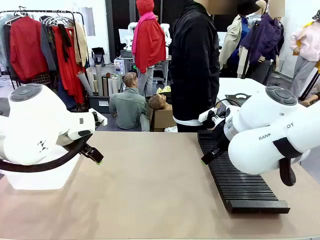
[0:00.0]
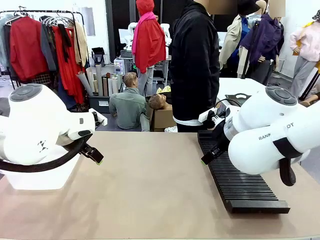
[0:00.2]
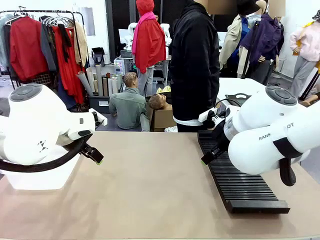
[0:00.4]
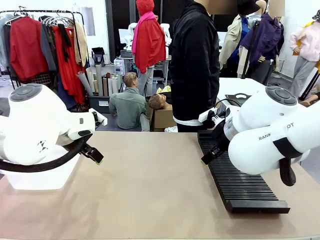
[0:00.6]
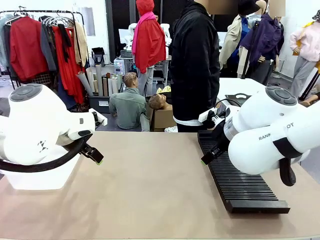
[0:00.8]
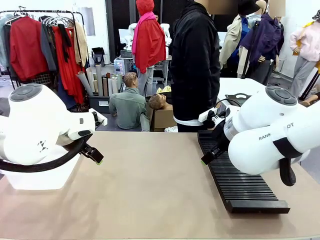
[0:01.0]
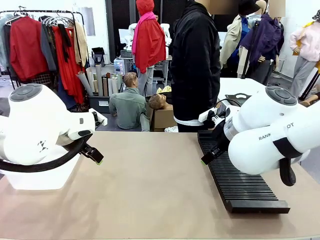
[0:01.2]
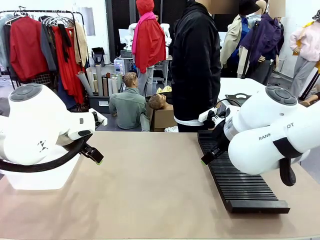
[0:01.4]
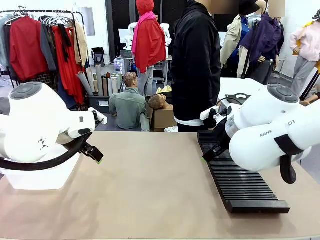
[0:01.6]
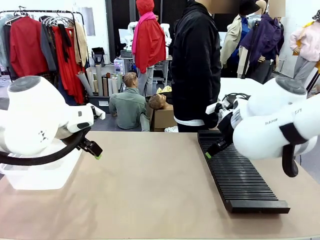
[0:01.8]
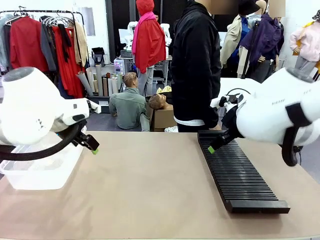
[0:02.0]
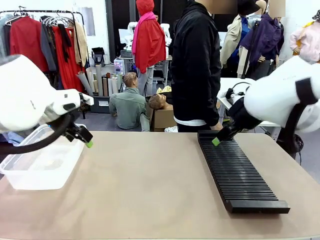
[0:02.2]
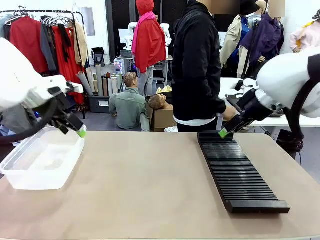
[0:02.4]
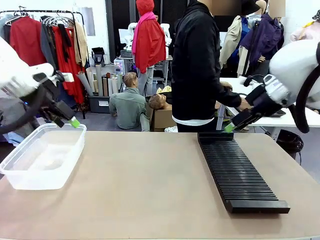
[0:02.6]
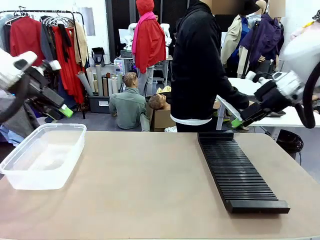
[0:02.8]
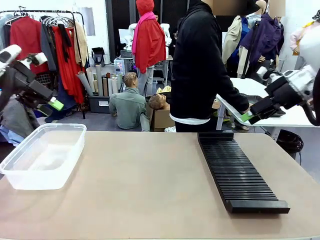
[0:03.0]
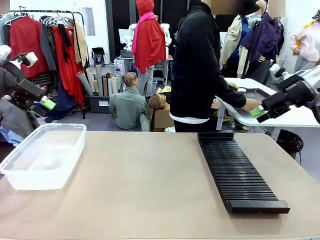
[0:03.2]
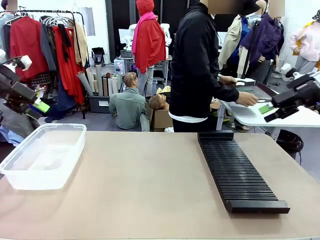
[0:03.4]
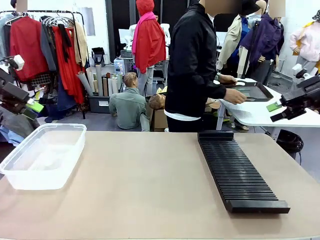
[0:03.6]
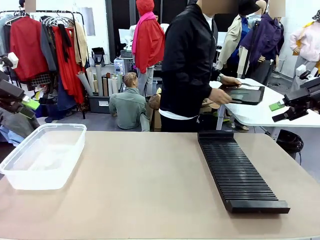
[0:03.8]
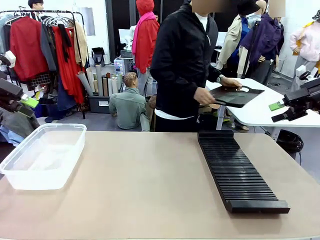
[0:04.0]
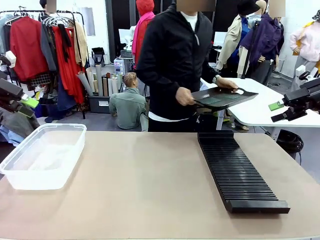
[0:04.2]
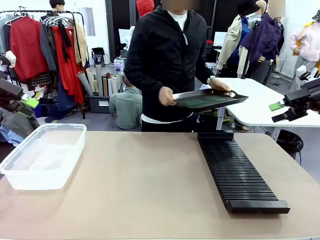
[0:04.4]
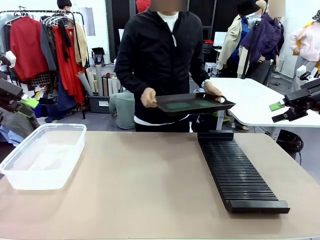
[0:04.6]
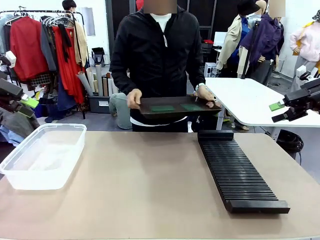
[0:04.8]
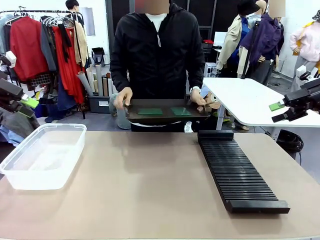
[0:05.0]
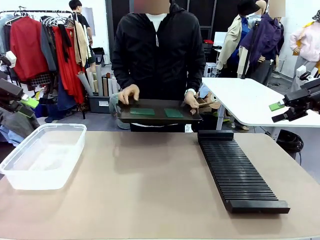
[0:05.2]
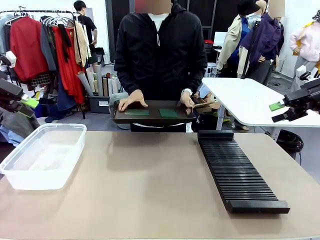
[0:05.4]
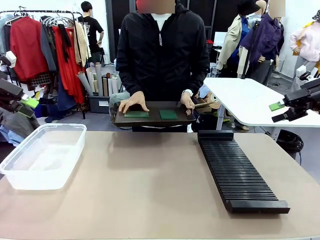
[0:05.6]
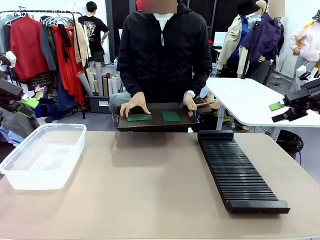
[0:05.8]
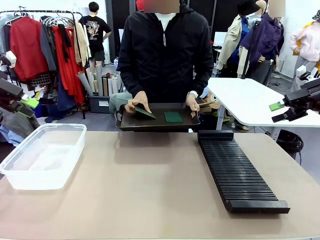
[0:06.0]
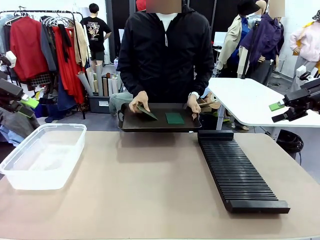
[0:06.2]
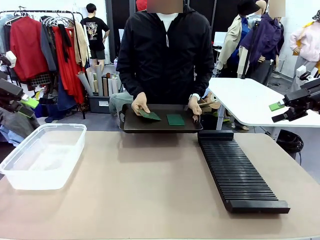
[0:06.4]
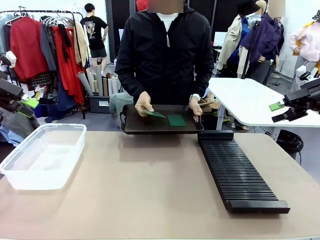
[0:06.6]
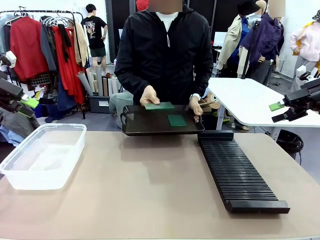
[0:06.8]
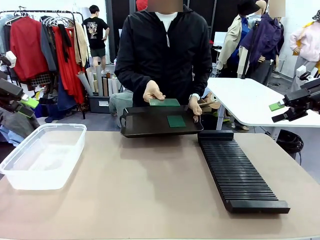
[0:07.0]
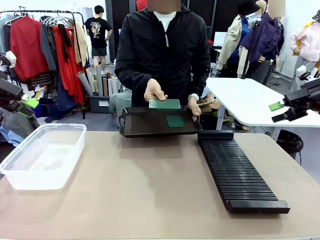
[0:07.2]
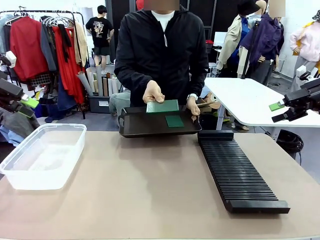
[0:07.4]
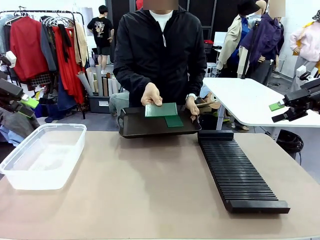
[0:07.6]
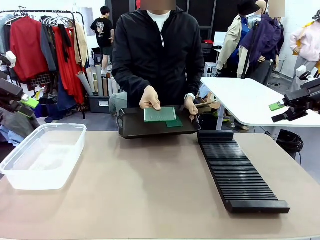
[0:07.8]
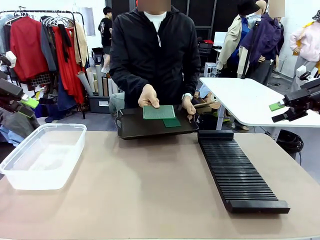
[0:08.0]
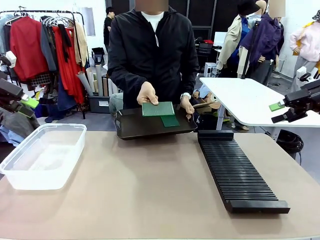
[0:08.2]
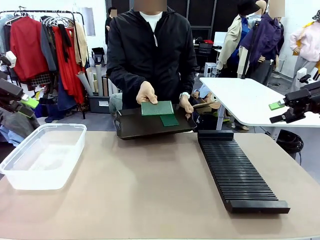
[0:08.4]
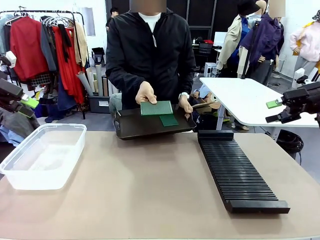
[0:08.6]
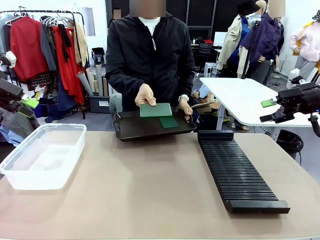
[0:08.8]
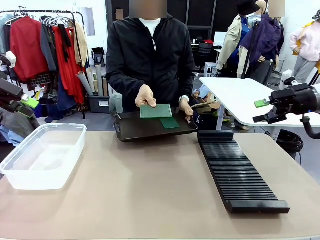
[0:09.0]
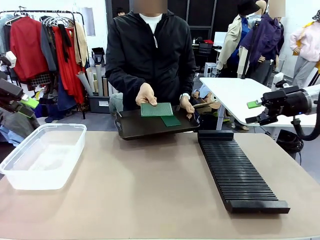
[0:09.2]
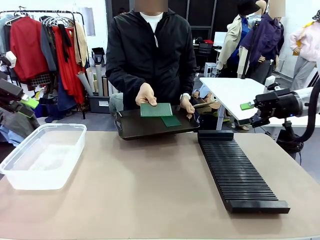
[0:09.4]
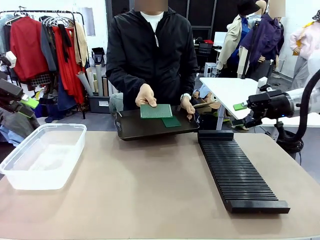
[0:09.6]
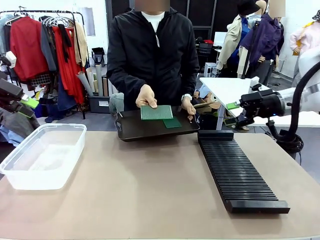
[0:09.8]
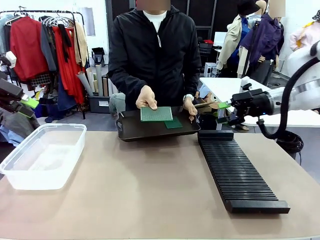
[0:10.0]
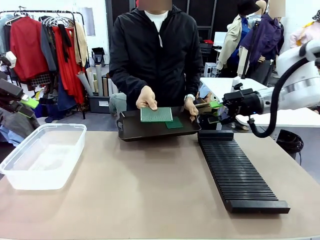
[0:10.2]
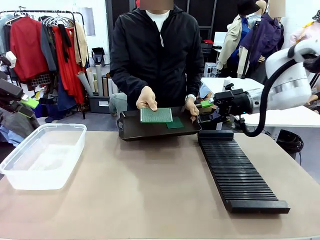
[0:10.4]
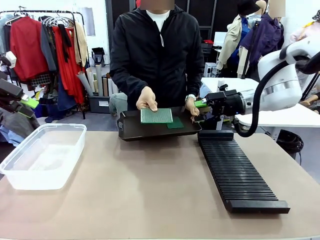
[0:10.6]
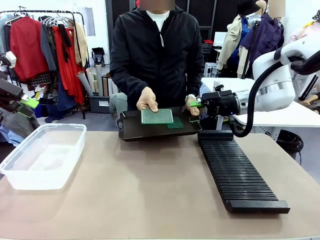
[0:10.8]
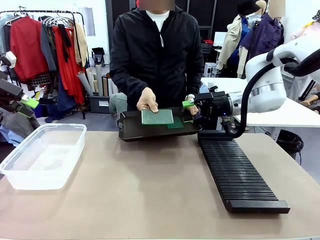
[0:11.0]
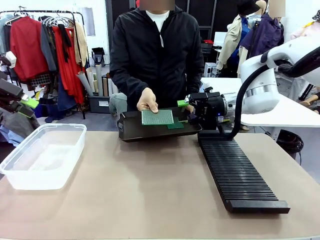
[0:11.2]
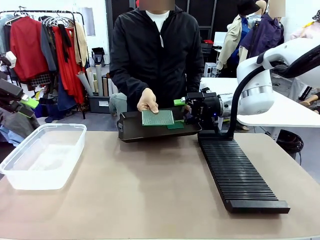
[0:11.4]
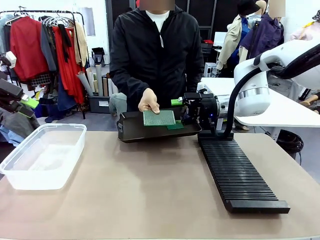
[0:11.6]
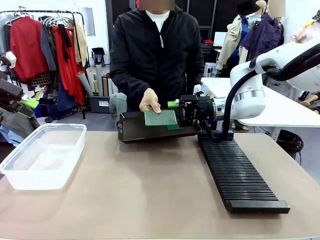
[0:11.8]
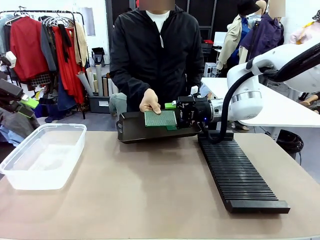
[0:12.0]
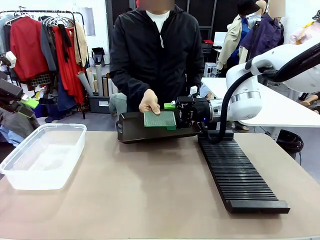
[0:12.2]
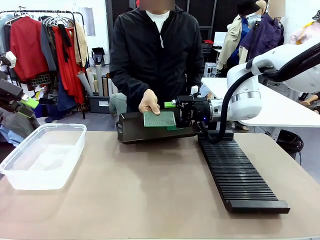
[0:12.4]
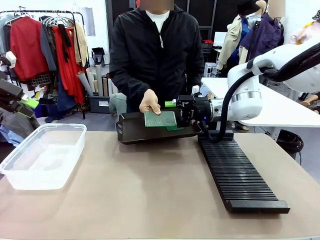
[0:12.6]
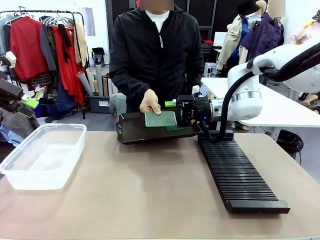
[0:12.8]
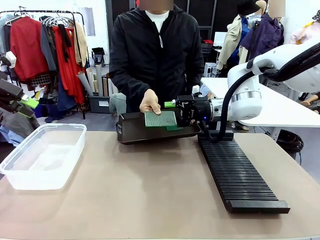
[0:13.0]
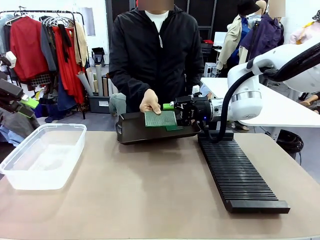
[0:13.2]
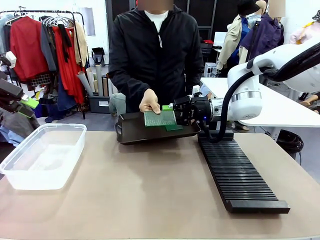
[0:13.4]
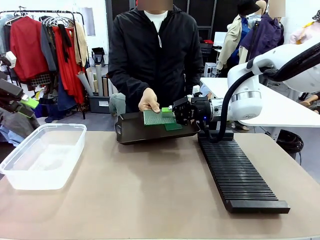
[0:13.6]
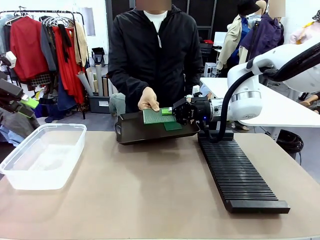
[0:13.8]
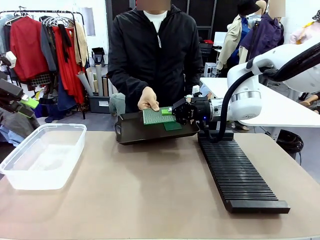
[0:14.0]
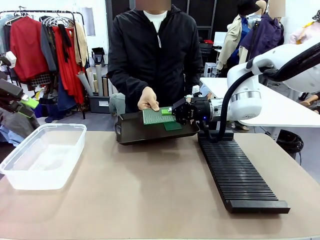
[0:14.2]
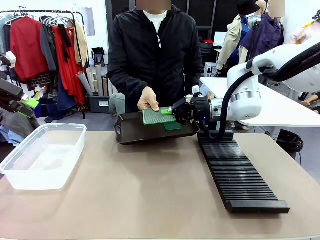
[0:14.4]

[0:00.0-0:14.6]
Task: Sort PCBs into racks and boxes based on the side picked up.
Robot: Pick up the Blank PCB handed by the Human.
Person: Pick one PCB from the tray and present it to the robot. Release the PCB being held.
